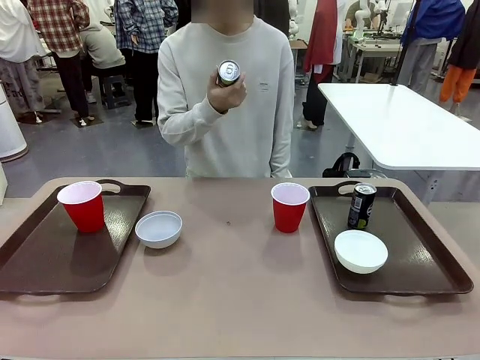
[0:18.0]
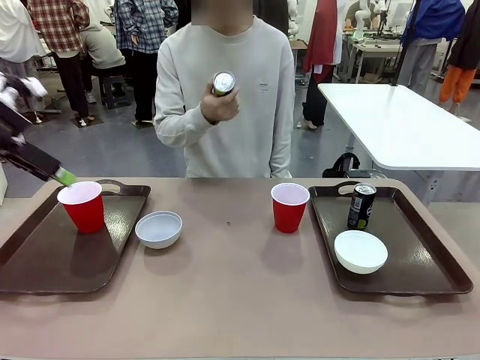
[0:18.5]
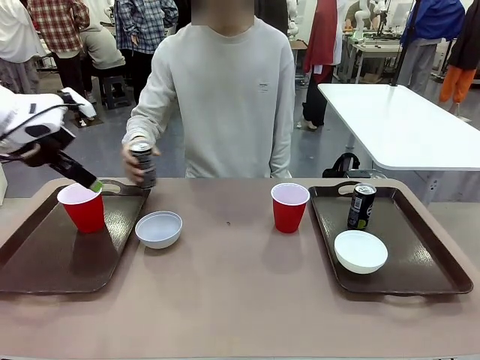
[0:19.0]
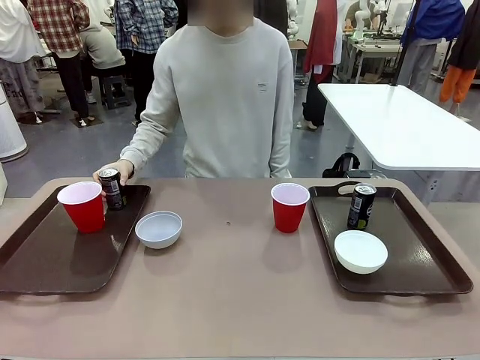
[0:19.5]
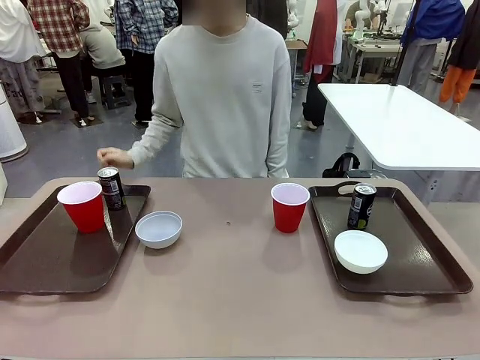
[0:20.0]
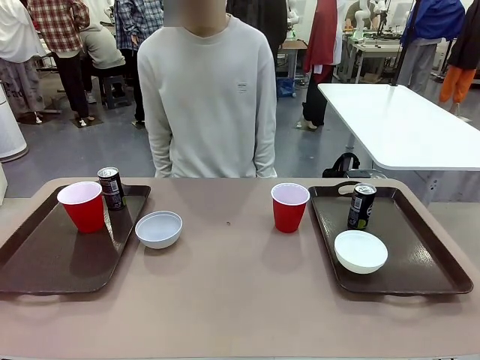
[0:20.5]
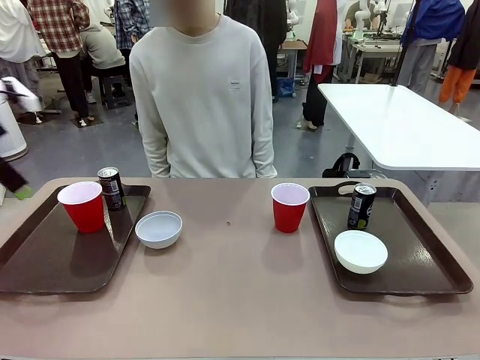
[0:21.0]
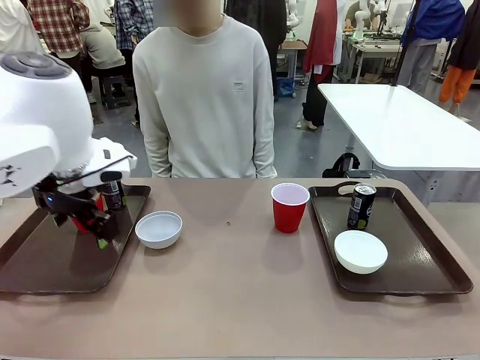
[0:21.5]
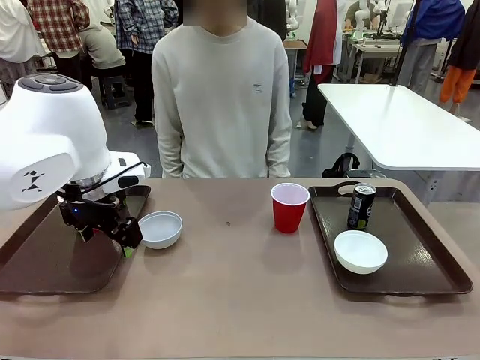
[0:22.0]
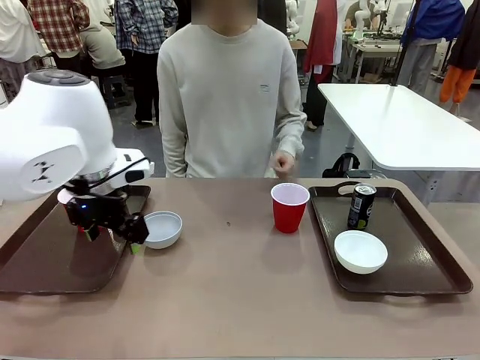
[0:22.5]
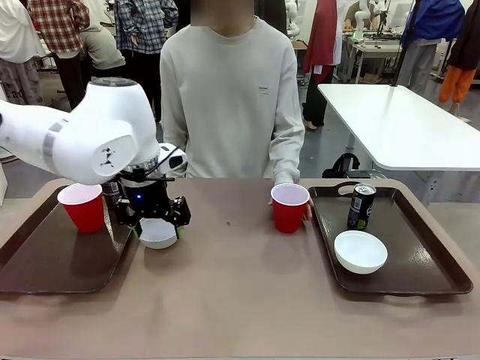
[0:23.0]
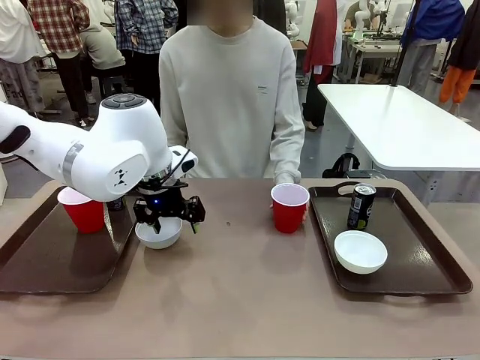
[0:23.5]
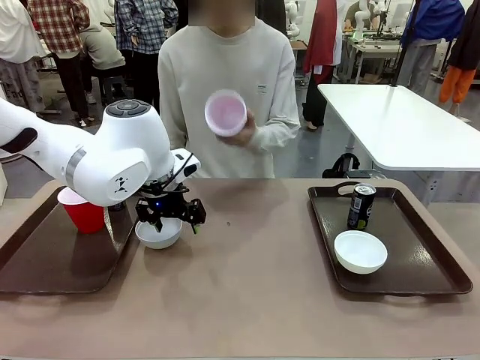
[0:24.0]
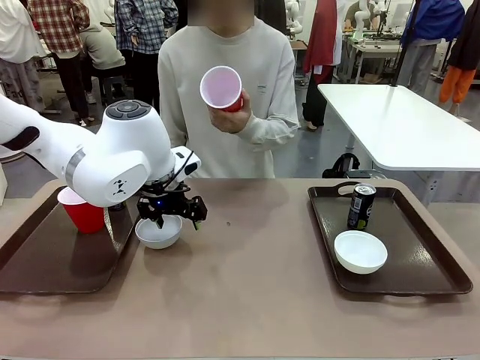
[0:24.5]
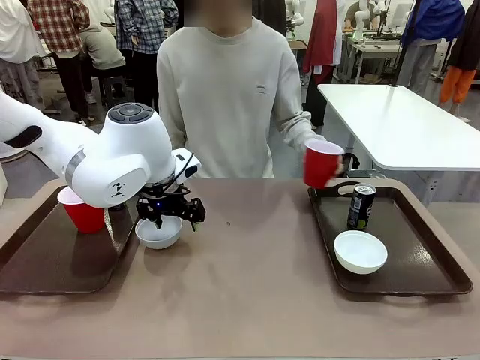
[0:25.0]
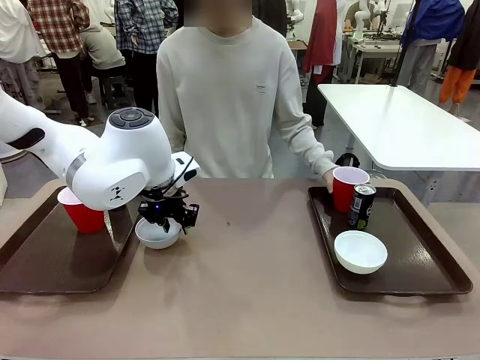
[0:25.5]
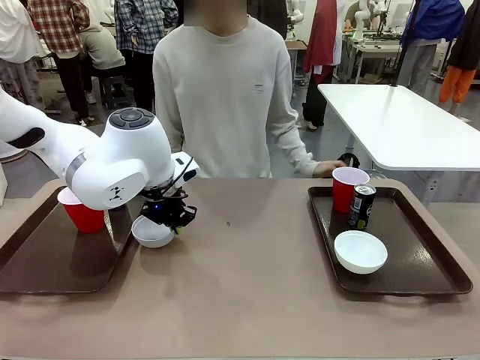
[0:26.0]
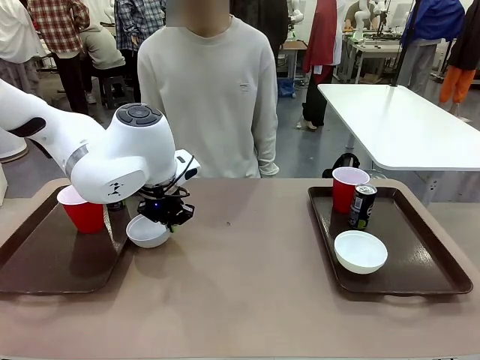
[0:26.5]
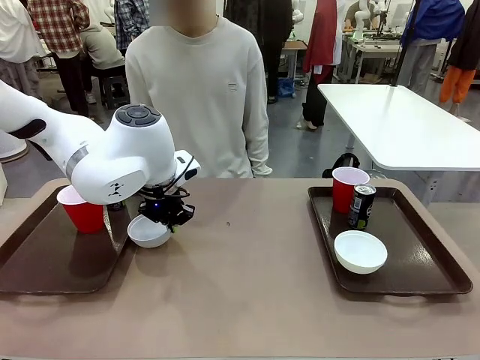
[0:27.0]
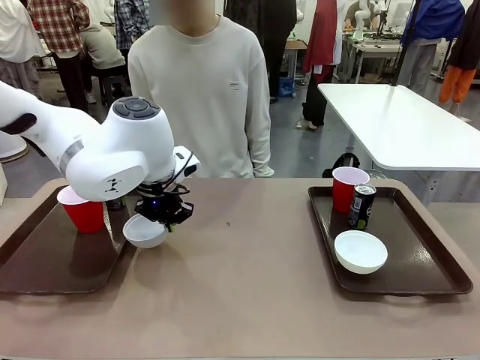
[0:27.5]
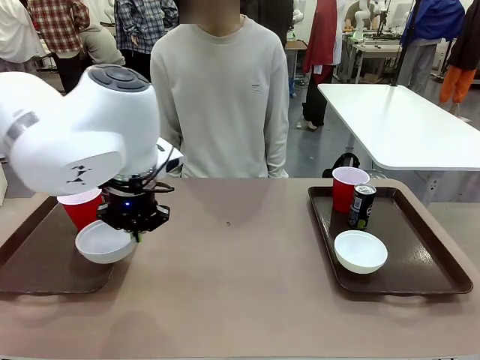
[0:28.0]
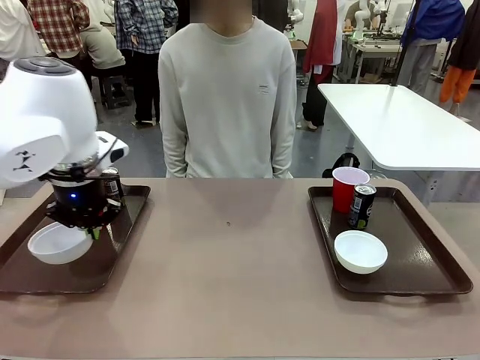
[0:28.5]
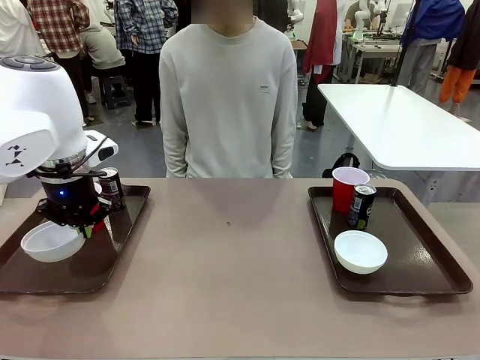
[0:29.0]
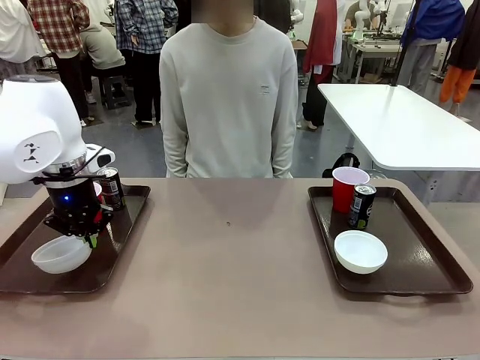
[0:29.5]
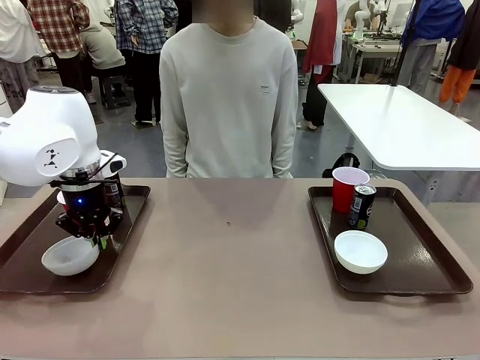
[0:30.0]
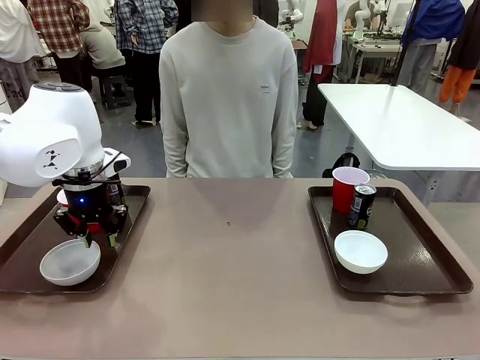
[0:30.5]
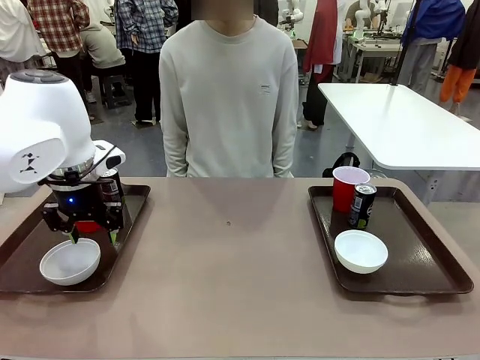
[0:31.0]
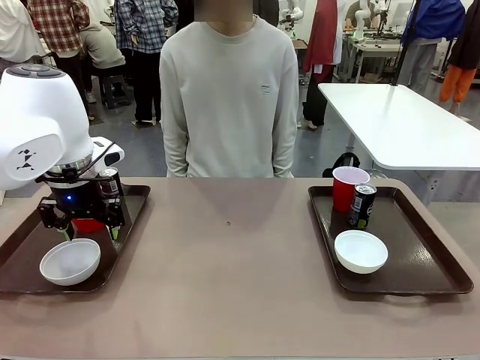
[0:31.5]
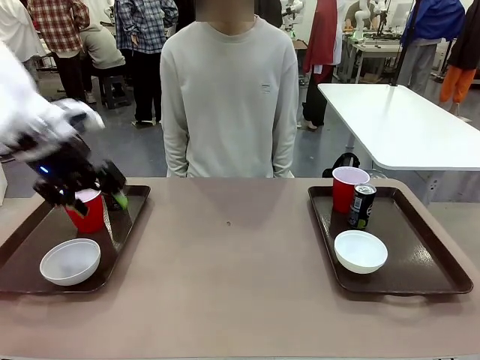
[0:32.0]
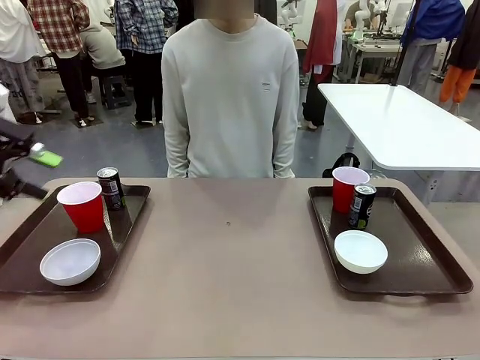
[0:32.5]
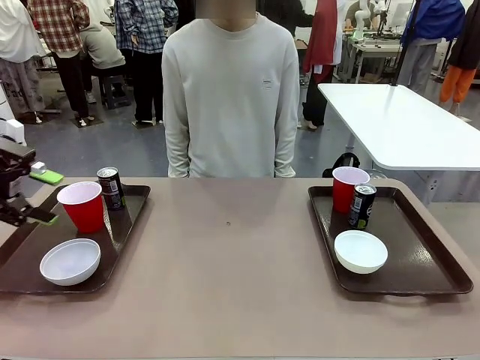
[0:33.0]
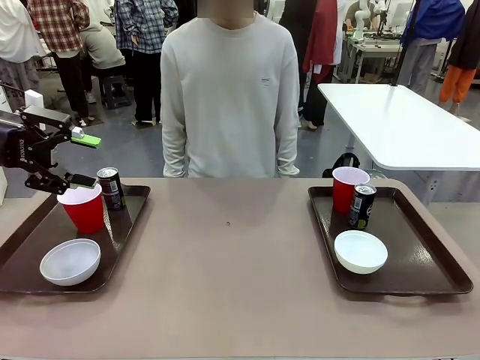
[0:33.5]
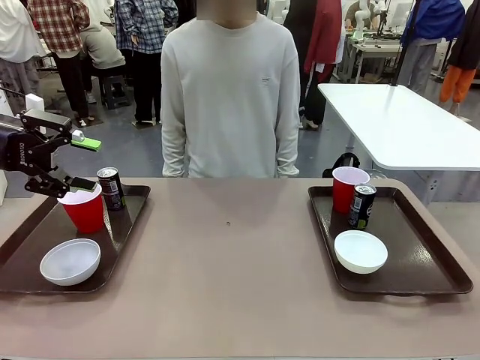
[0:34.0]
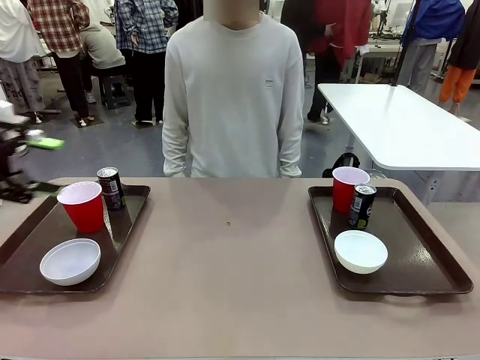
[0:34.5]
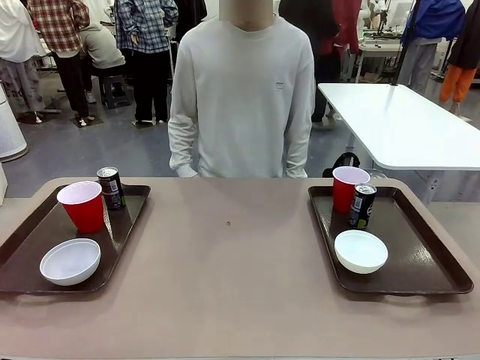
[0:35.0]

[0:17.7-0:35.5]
Task: Prepare tableware on both trays.
Robot: Pick up a Picnic Bowl from the table and place it on a Handle tray.
Person: Pick up a can or cup and place it on the tray without a can or cup.
